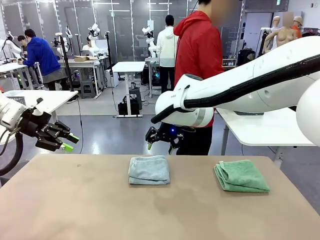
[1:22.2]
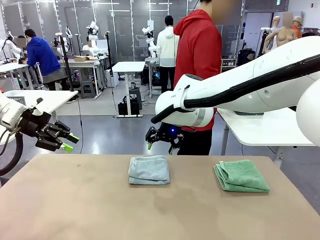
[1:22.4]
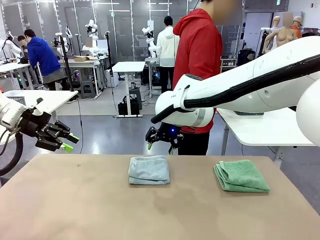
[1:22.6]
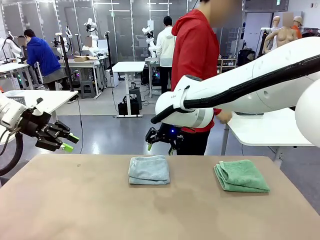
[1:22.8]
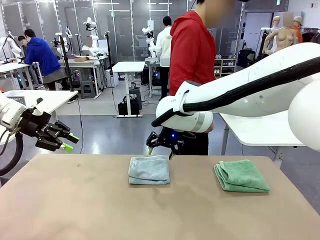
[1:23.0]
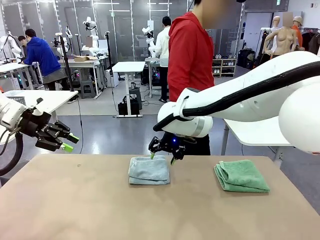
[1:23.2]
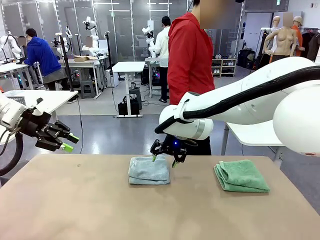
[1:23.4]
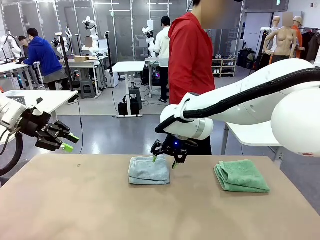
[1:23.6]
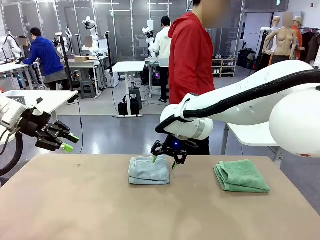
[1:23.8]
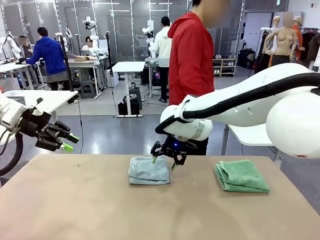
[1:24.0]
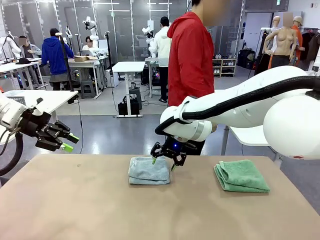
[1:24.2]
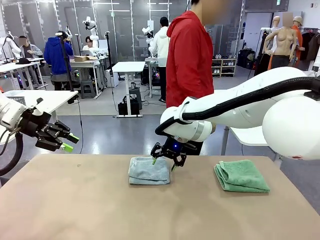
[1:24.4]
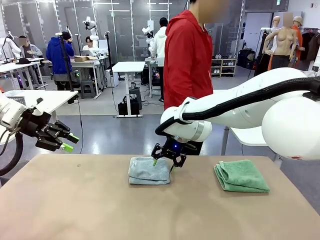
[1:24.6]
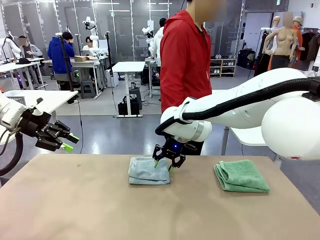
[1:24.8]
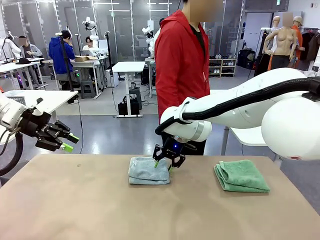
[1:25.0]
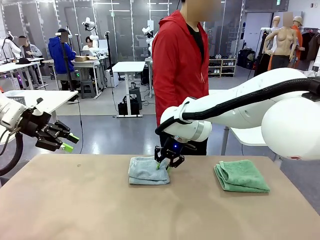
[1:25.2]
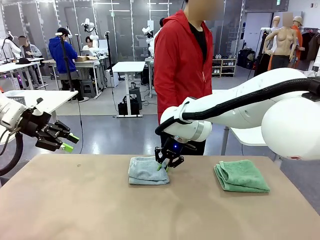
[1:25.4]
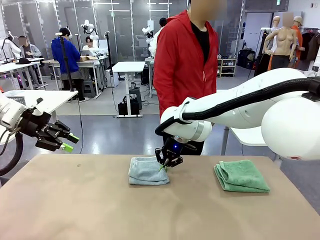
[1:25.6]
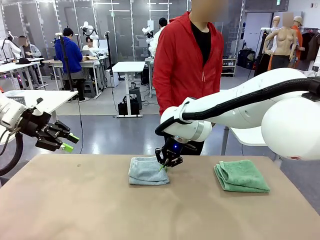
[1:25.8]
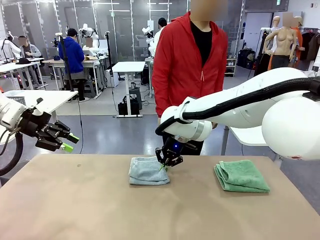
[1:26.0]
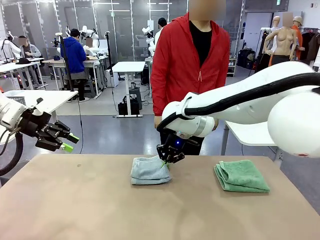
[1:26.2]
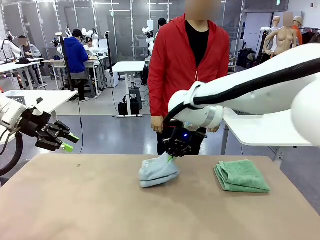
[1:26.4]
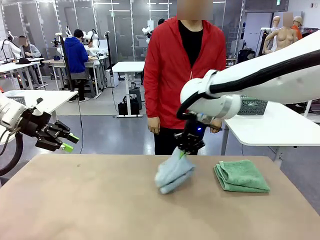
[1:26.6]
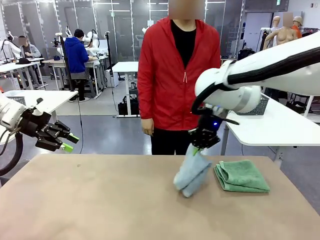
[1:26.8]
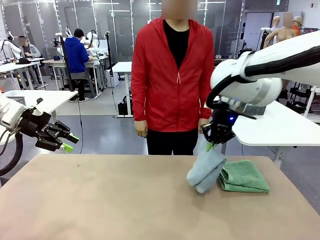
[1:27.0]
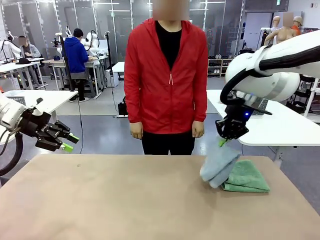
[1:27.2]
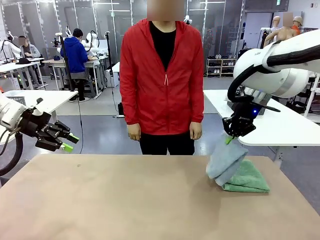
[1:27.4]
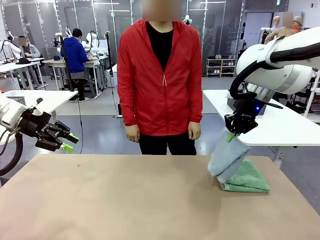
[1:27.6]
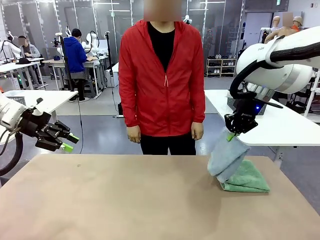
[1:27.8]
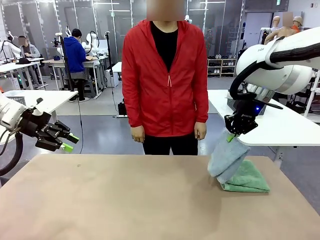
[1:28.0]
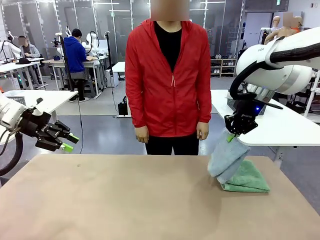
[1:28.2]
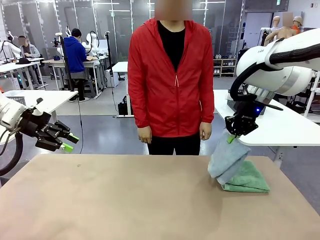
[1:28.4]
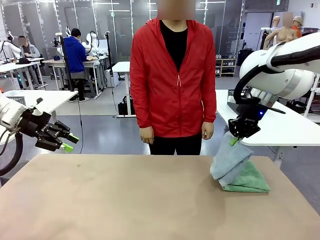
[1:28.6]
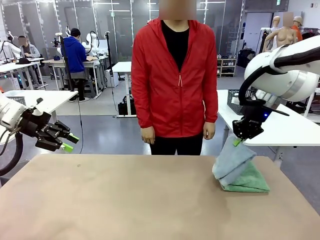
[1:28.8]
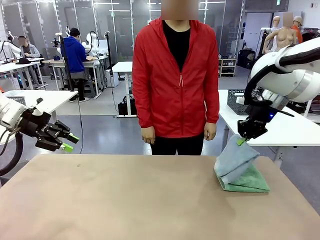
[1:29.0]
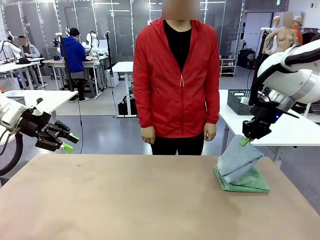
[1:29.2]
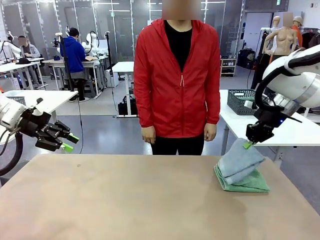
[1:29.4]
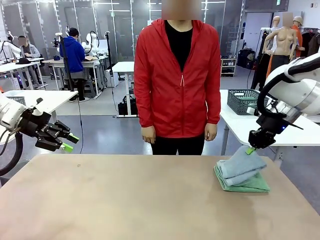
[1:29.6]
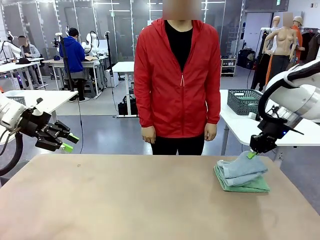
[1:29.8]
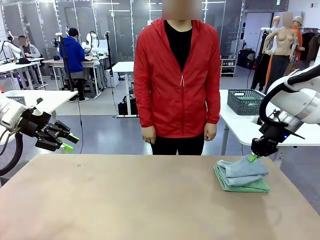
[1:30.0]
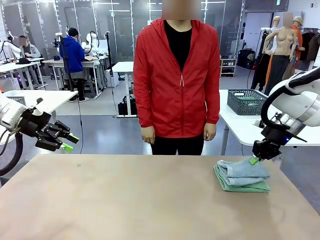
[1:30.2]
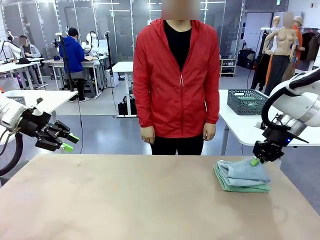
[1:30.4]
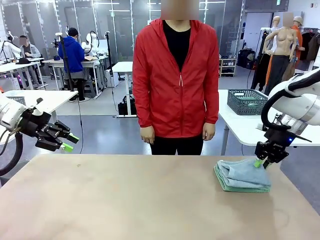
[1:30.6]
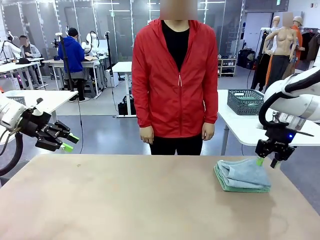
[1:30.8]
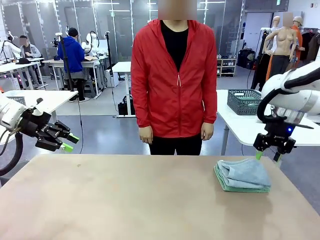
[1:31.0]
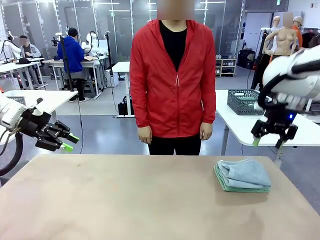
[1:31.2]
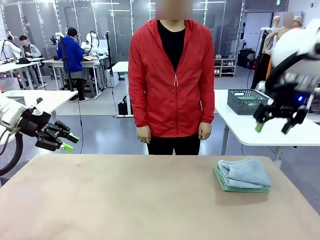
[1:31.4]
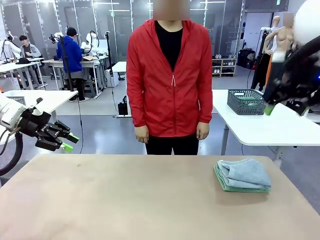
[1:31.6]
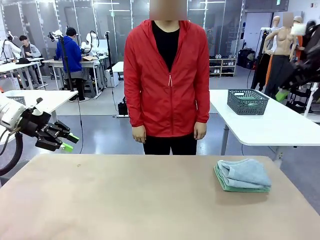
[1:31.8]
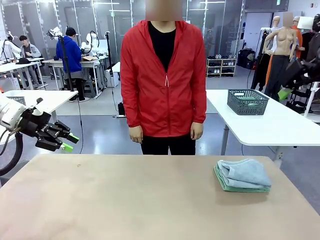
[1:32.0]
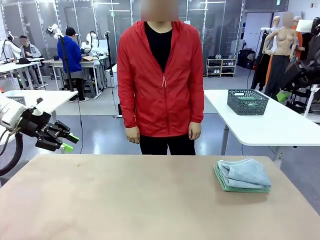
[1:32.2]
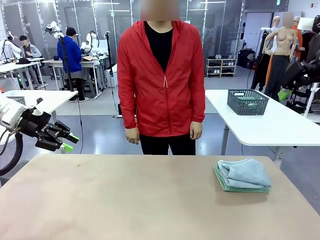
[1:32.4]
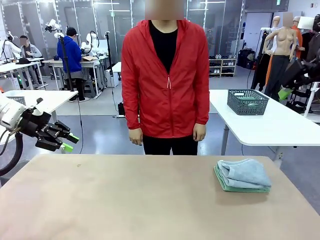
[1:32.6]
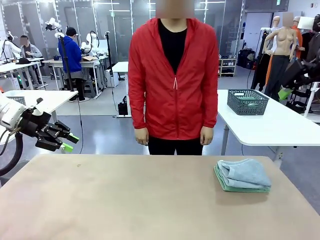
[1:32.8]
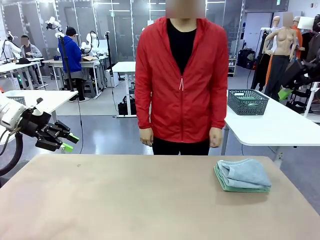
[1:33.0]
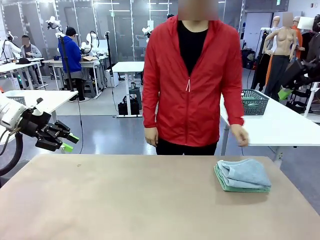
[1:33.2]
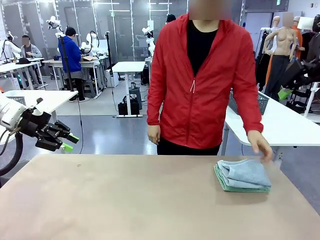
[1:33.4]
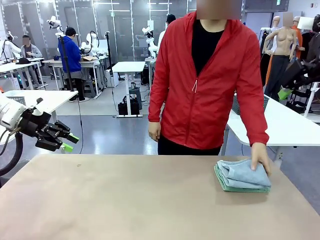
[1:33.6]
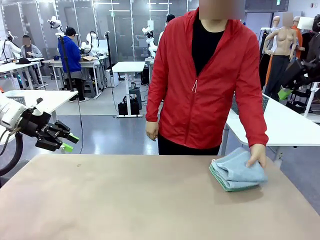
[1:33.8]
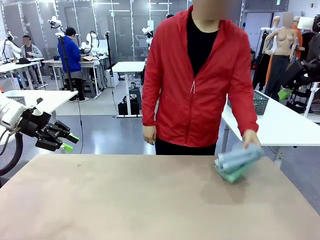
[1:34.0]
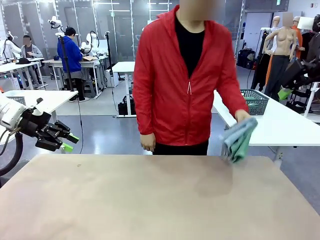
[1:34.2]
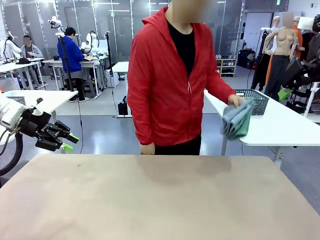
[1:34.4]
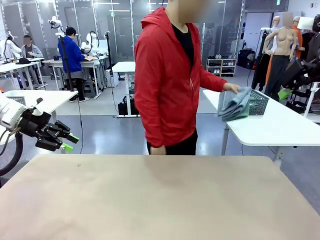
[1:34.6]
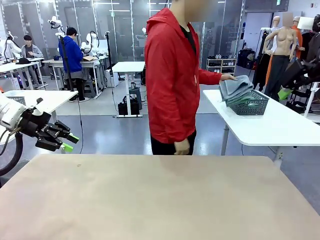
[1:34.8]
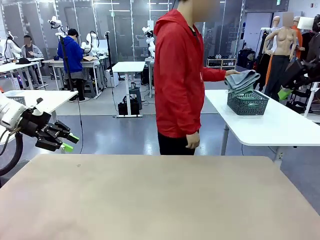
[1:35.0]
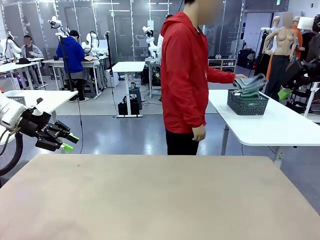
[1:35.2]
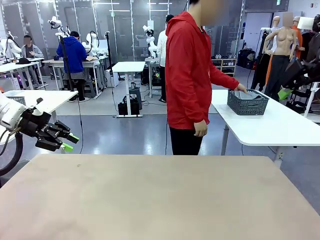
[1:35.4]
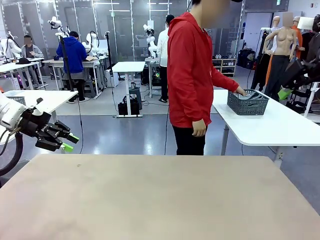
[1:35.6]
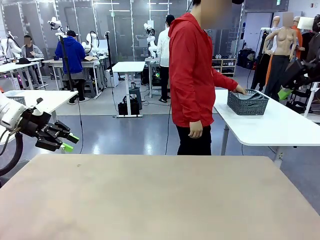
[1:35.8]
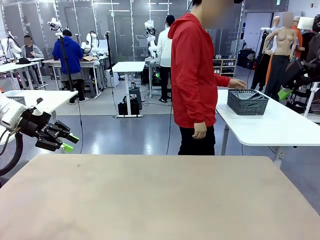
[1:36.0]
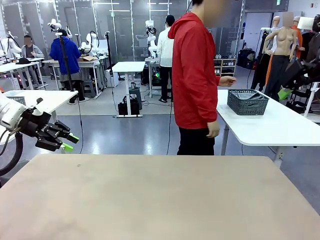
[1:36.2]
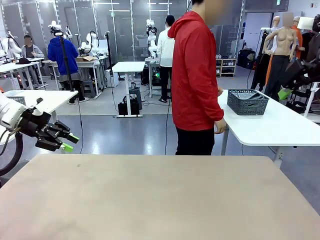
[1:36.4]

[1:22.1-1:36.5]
Task: Fold the towels and place them in the basket.
Robot: Stack the folded Towel with hook on the right side of the table.
Person: Pick up the stack of towels from the robot table and place it into the basket.

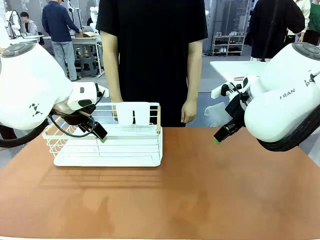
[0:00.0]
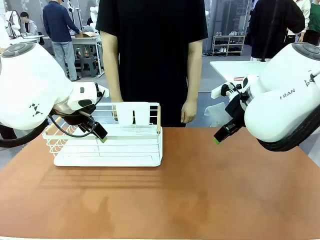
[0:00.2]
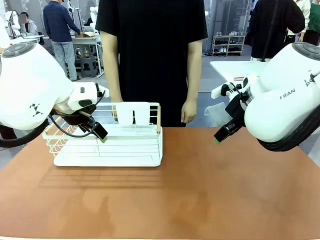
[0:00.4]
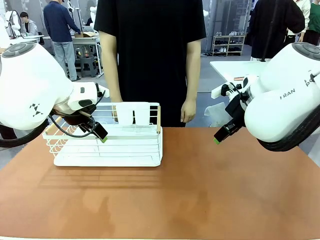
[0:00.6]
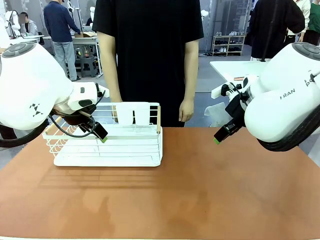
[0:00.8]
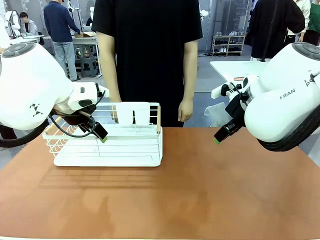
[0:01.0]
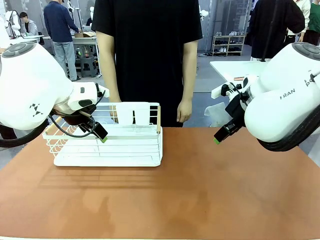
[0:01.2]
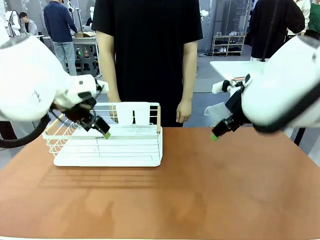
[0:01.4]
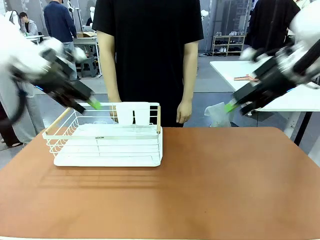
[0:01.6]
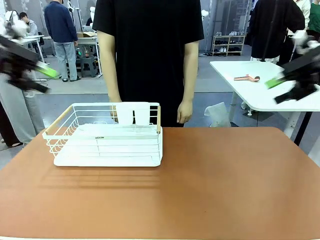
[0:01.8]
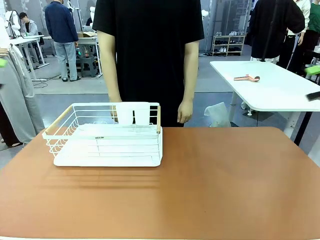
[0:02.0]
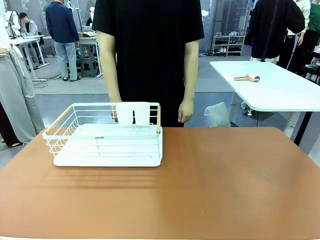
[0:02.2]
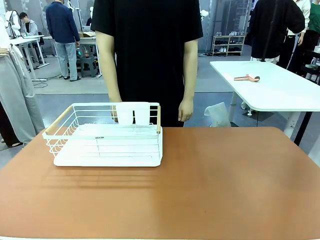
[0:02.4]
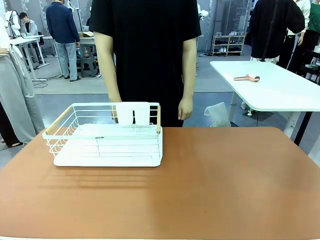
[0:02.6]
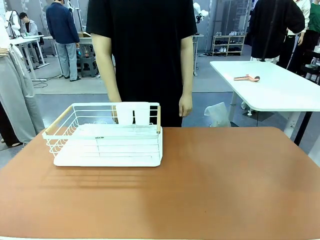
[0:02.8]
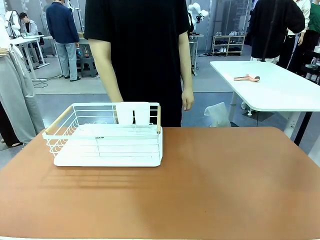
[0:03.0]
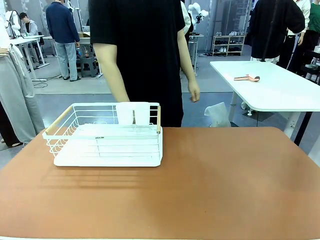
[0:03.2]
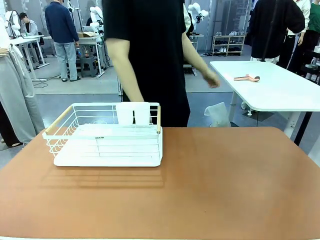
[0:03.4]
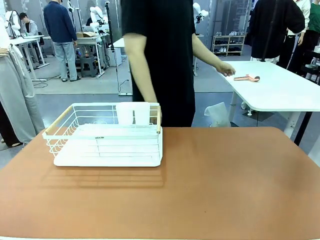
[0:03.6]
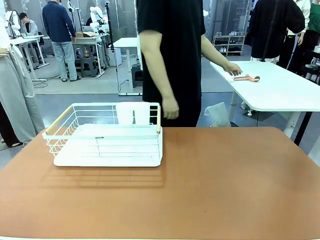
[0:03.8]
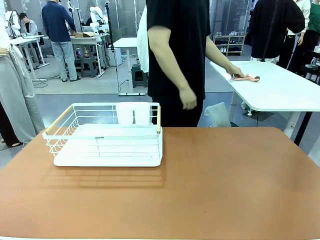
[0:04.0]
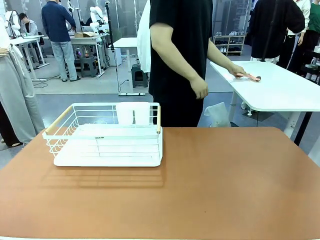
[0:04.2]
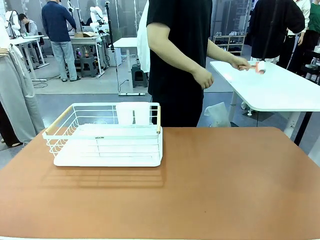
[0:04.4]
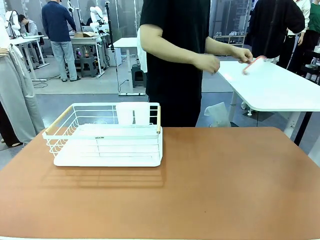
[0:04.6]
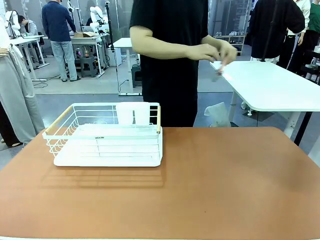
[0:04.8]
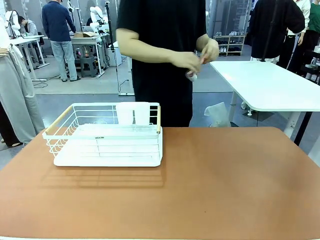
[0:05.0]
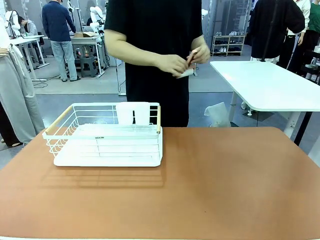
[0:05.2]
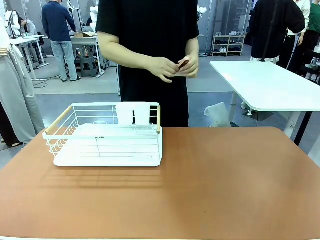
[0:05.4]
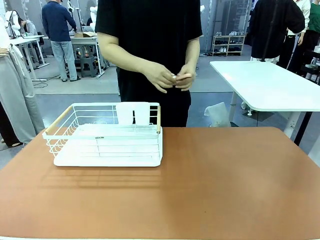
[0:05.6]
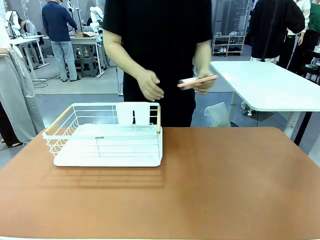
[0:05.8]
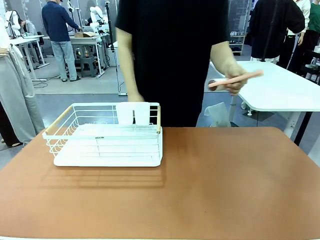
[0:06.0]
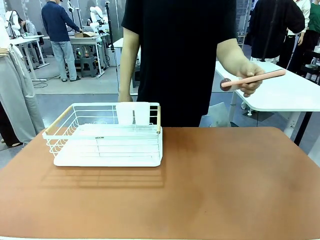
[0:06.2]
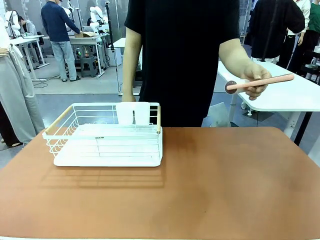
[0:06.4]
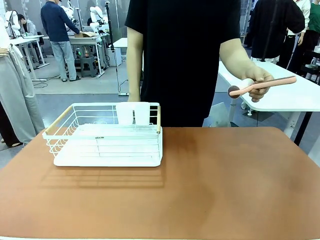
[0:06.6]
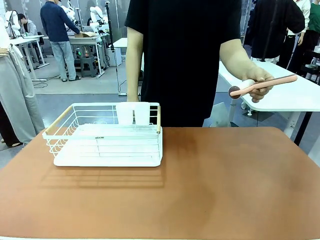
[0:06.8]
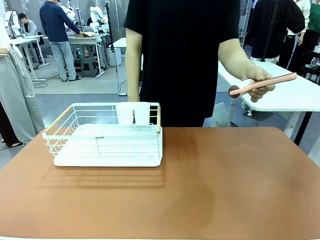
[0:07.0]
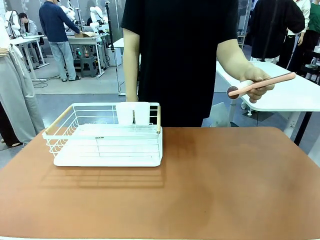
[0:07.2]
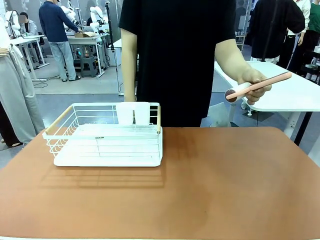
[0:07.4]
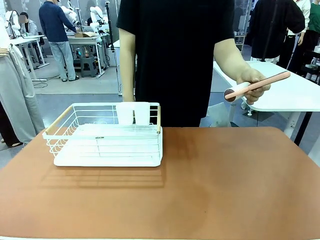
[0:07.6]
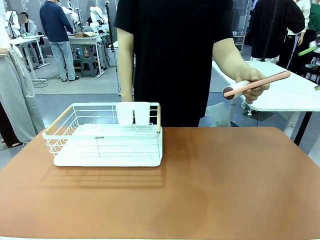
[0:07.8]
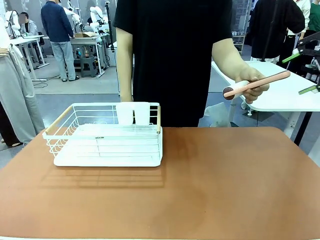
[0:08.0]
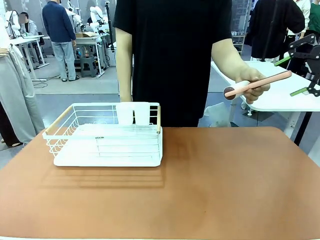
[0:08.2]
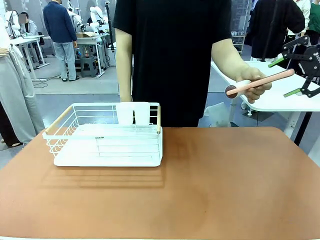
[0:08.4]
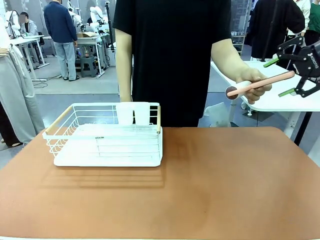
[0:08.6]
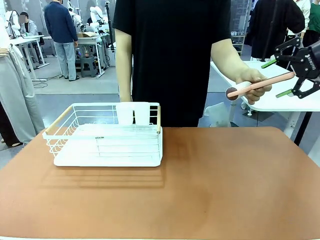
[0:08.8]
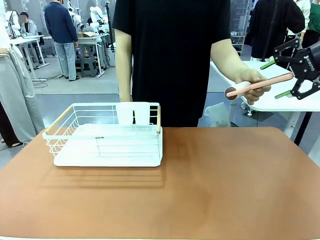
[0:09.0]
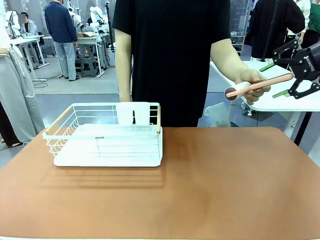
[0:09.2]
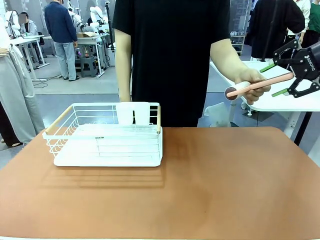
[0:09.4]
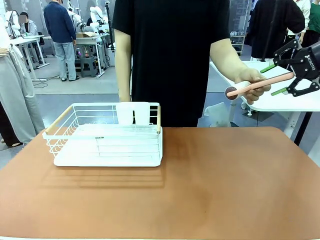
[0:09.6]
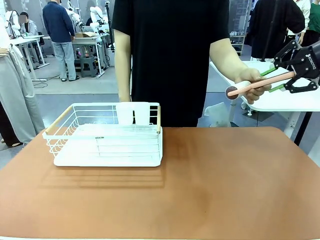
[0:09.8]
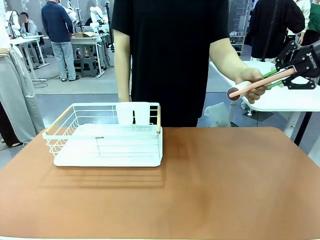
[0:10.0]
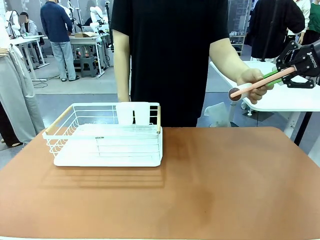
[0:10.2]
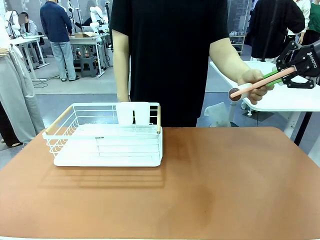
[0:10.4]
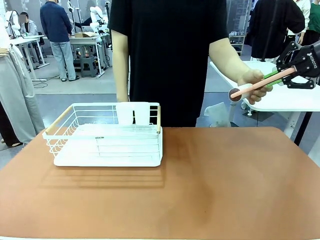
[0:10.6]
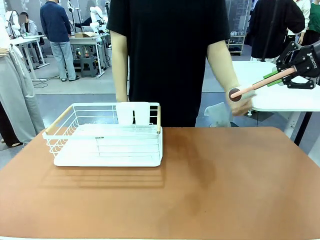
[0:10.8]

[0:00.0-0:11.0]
Task: Clean the table.
Robot: Pick up the Lint Roller when the human hands it over.
Person: Hand the Lint Roller to the robot so it can easily pick it up. Lift the Dish drying rack.
